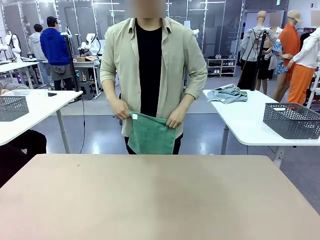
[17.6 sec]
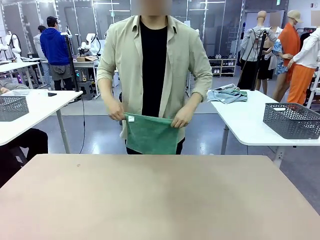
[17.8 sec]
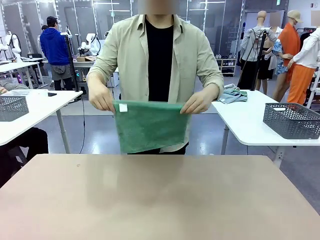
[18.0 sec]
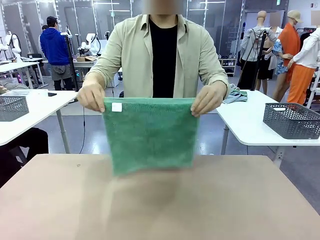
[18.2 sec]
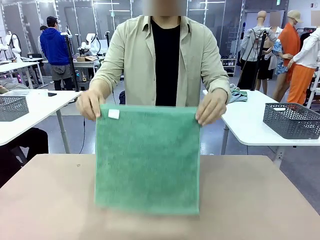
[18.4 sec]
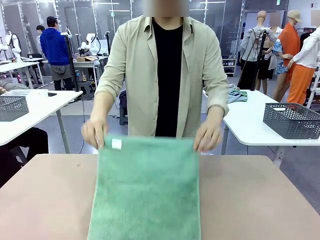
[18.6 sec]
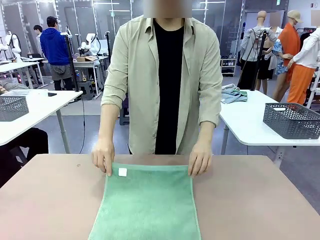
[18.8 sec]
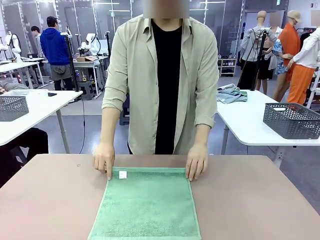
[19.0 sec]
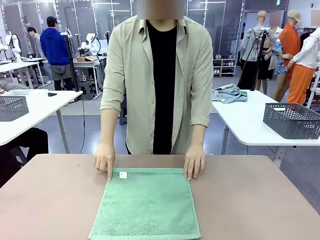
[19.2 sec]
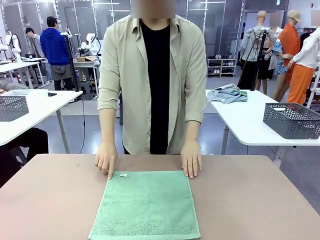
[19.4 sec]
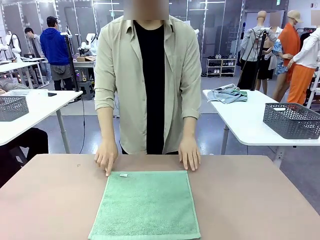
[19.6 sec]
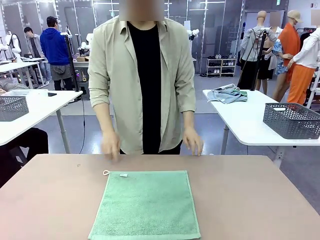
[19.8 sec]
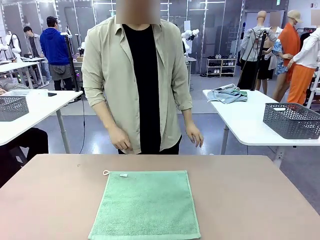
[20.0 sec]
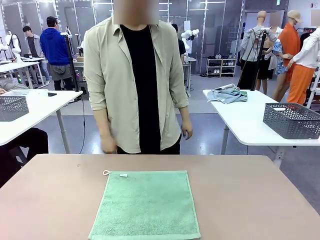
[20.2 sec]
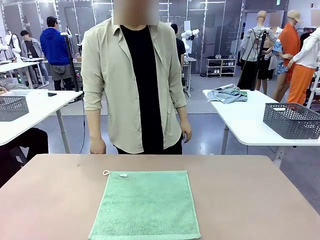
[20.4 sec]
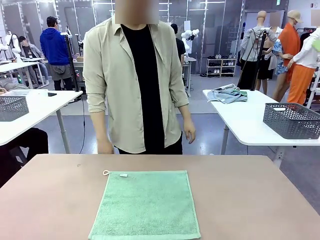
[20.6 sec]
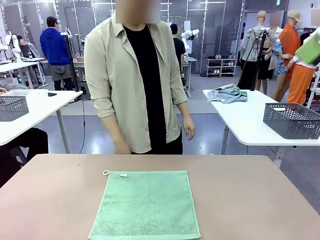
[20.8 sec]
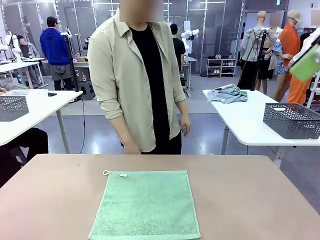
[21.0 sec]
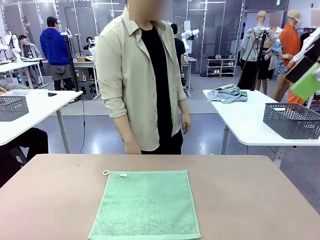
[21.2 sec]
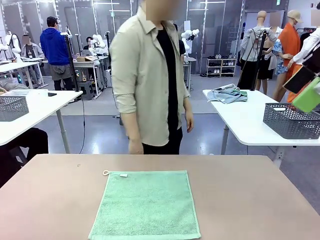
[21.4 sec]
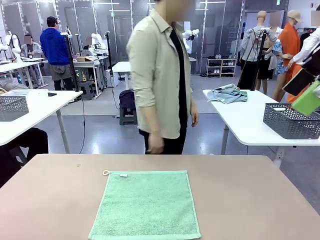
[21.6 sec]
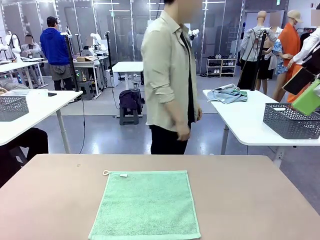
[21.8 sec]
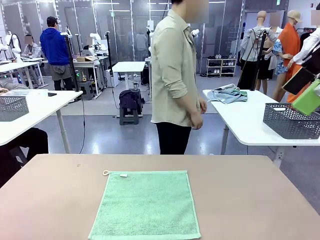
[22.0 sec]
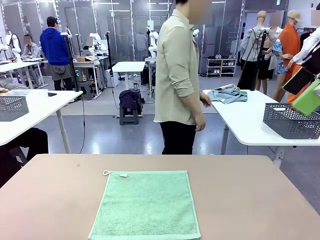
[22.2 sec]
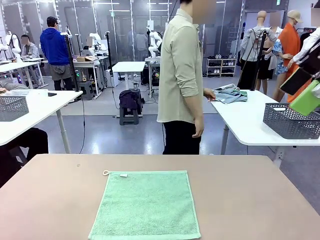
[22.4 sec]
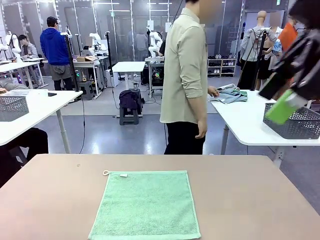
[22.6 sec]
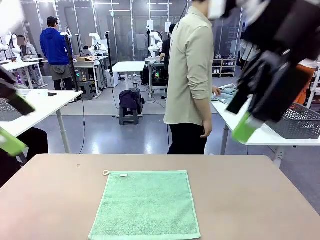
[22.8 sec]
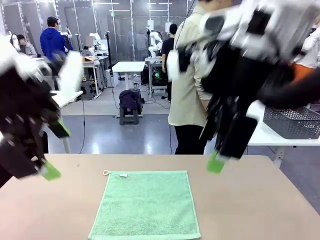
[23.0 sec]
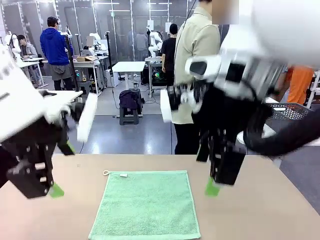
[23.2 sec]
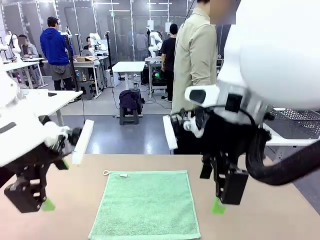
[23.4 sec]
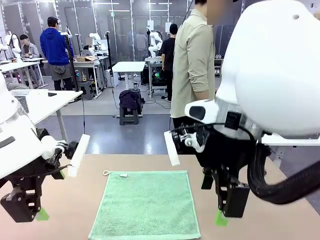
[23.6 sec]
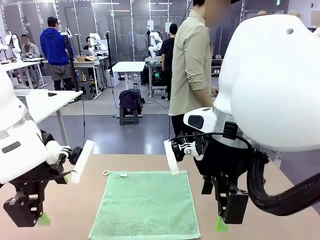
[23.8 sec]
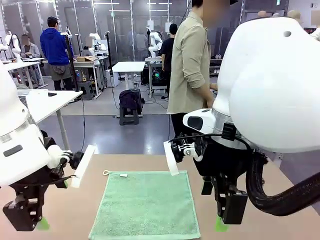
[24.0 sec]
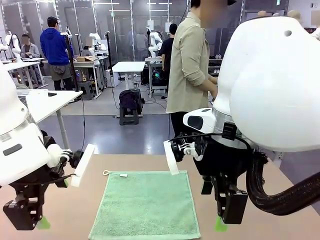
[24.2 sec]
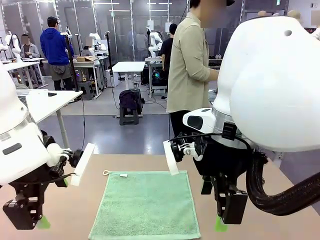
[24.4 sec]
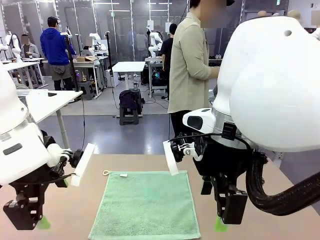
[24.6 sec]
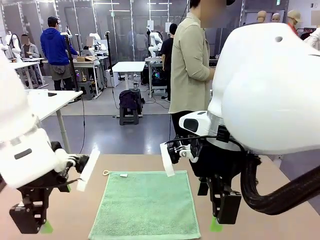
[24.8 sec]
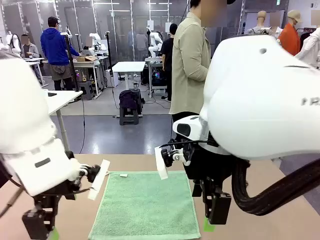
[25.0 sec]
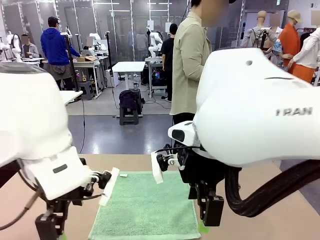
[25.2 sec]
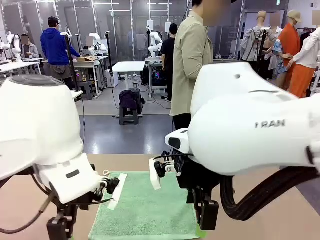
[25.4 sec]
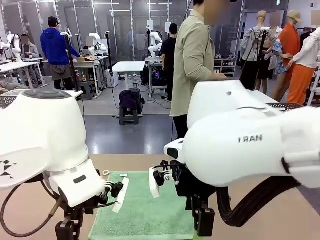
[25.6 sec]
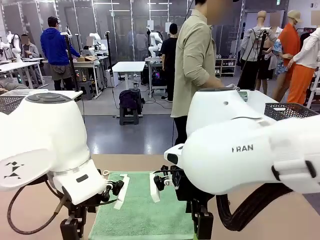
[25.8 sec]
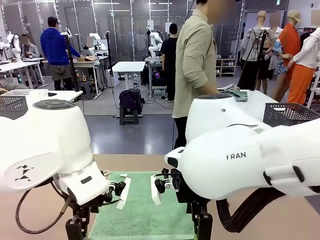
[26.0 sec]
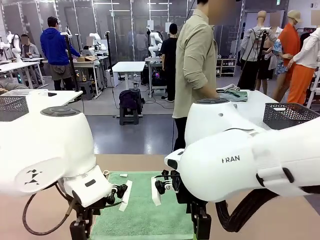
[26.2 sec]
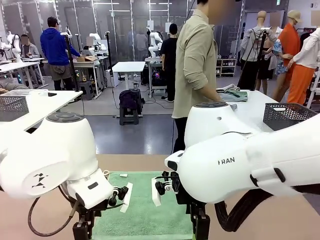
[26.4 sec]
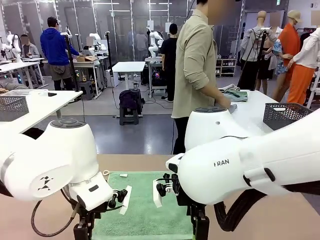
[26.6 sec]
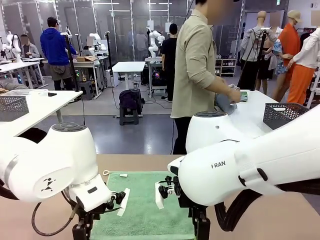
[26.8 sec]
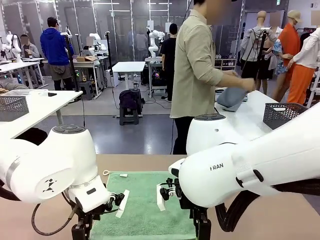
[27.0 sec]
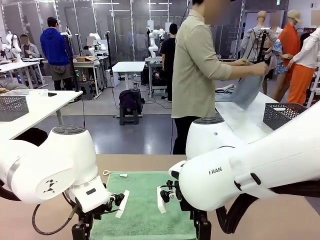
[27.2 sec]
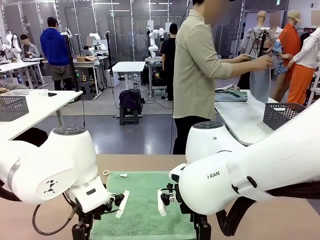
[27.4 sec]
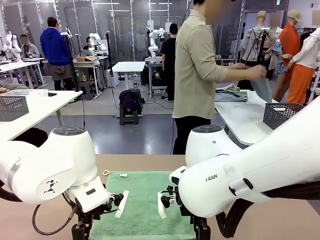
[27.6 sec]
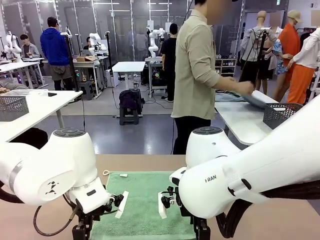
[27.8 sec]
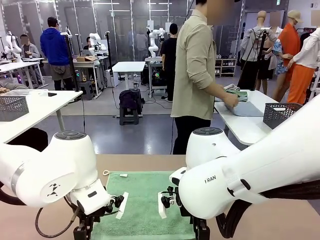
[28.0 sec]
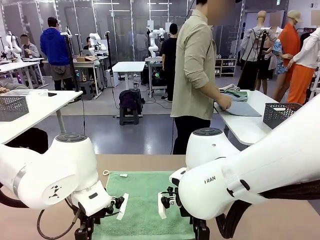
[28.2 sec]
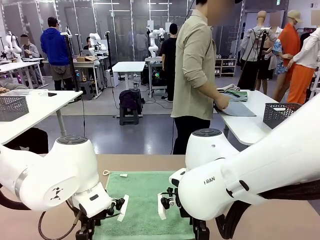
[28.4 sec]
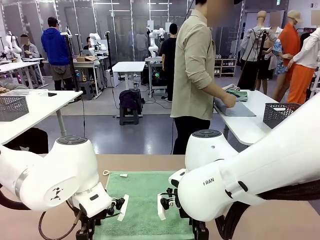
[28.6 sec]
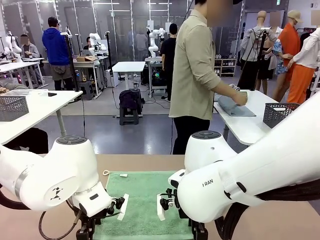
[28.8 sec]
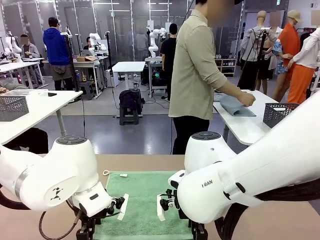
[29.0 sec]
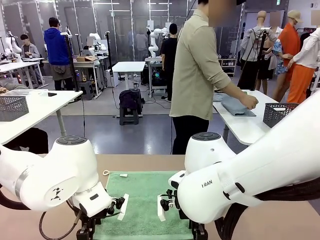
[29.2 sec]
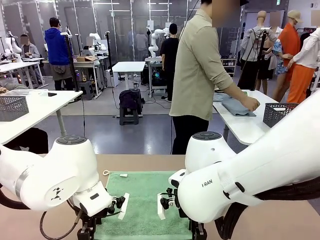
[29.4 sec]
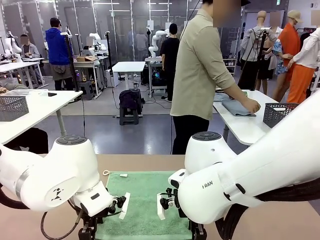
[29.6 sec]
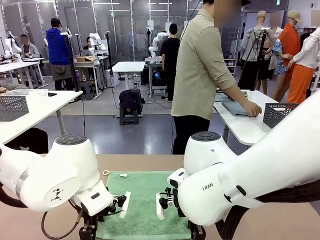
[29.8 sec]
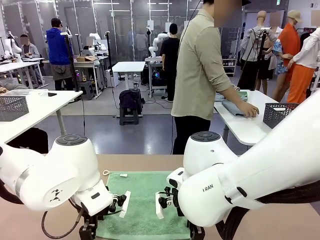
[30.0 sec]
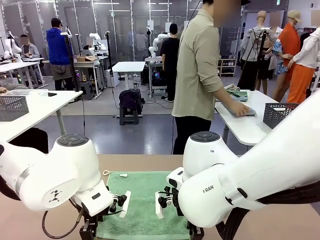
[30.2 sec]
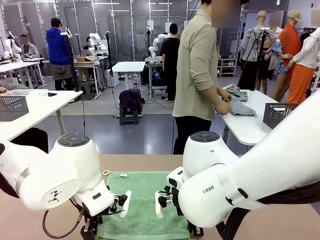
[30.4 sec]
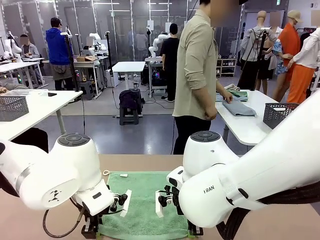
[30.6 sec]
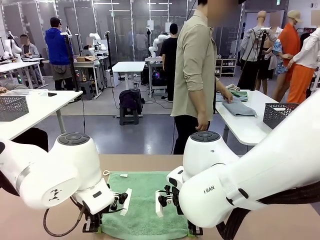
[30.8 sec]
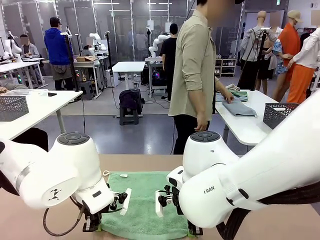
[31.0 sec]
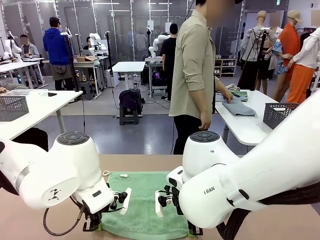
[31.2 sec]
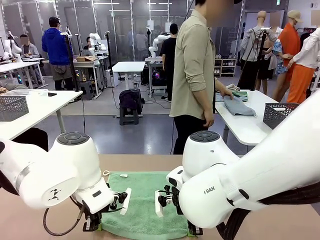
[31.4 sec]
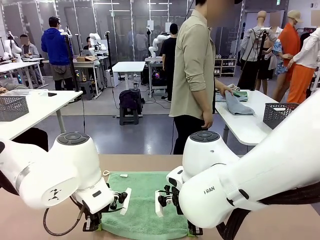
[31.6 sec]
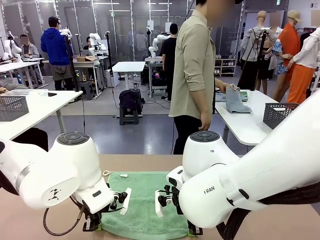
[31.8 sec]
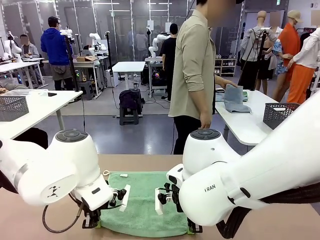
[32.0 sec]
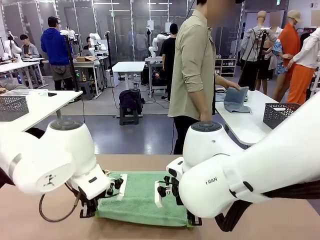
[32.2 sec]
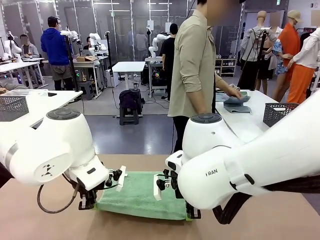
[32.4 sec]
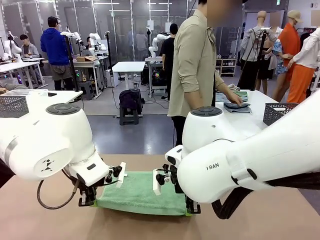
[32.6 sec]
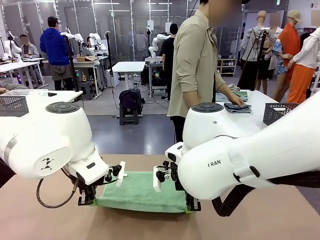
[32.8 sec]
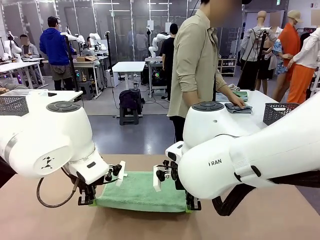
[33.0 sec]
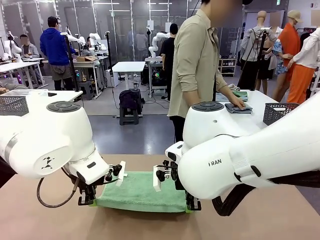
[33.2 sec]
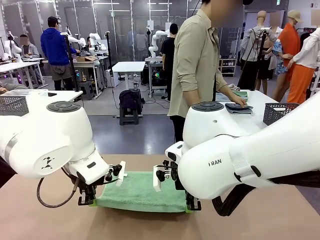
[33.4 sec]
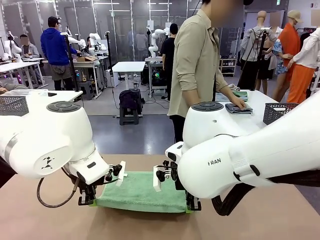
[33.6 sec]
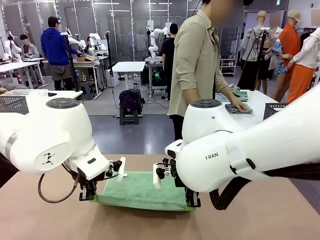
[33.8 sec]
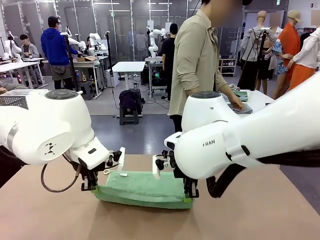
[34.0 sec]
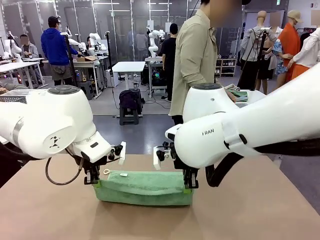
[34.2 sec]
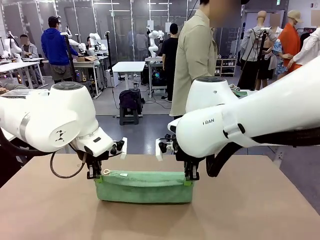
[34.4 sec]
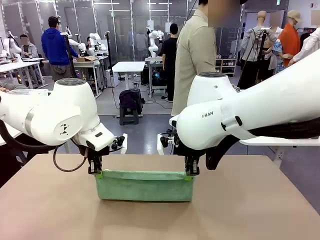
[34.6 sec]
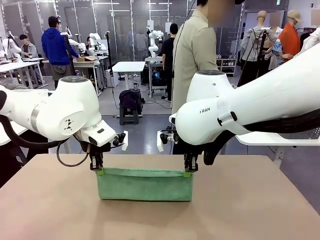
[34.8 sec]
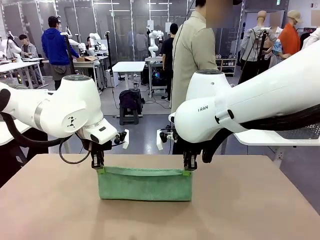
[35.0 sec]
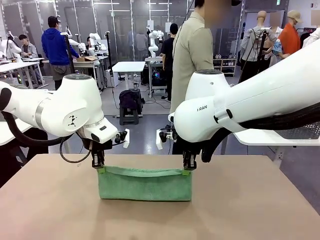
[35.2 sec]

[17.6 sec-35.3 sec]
Task: Fold the towels and place them in the basket.
Robot: When a person lays out a Towel with hook on the table, fold it in half twice.
Person: Pick up one towel from the left side of the human table, fold it in half twice, and place it on the right side of the table.
